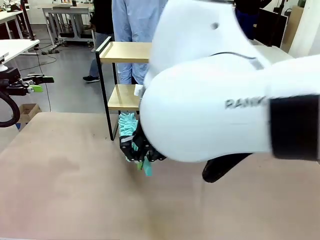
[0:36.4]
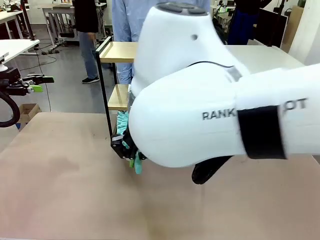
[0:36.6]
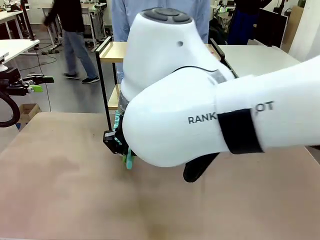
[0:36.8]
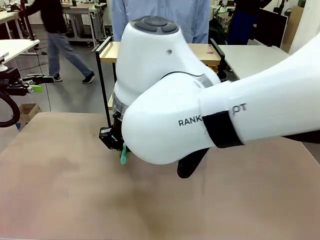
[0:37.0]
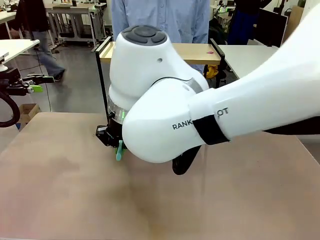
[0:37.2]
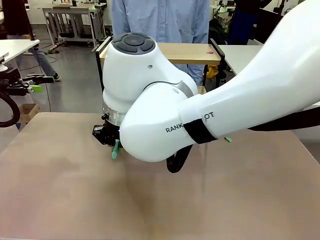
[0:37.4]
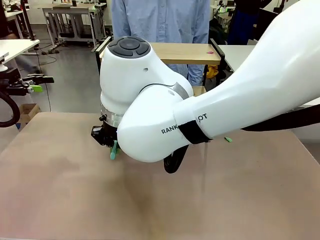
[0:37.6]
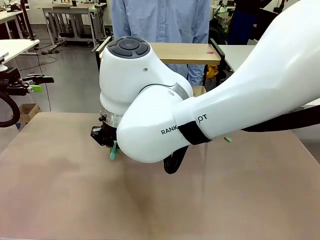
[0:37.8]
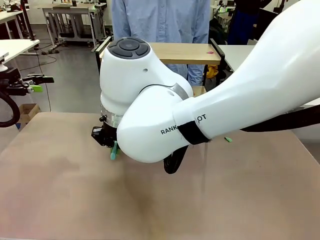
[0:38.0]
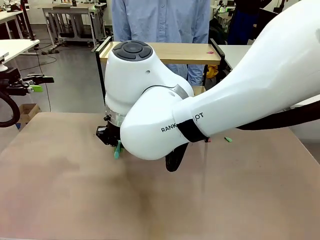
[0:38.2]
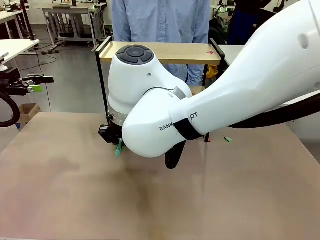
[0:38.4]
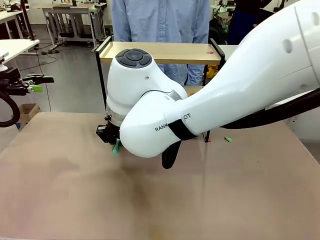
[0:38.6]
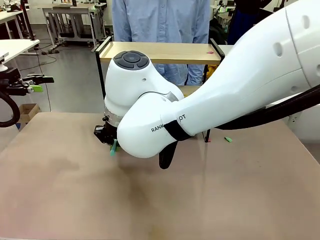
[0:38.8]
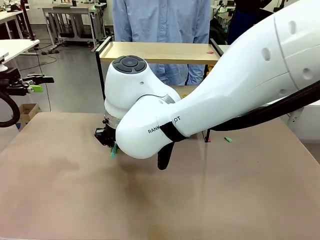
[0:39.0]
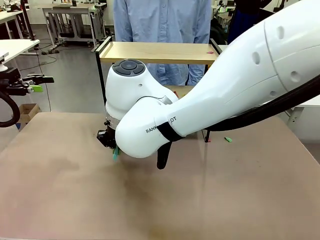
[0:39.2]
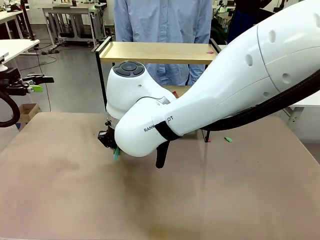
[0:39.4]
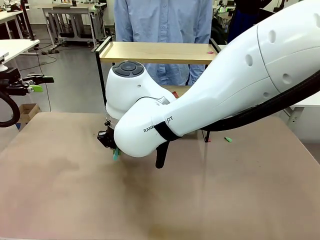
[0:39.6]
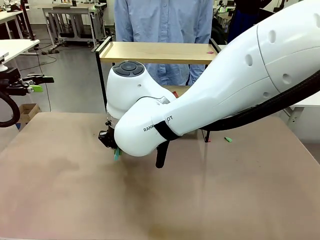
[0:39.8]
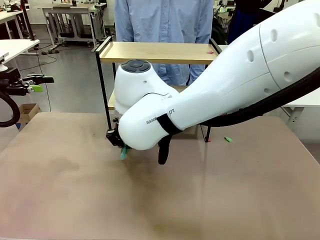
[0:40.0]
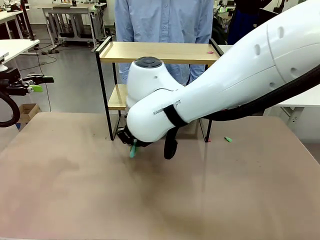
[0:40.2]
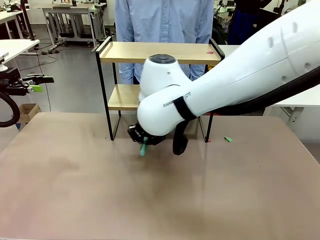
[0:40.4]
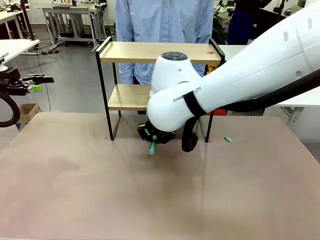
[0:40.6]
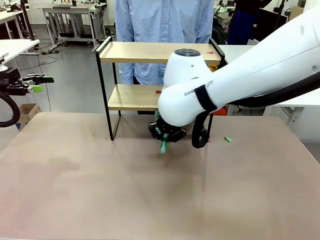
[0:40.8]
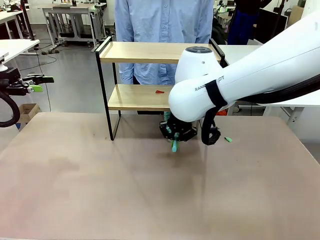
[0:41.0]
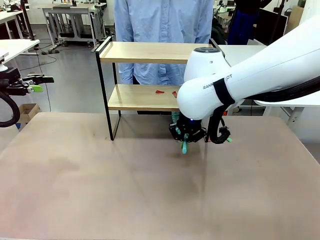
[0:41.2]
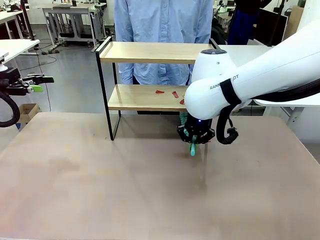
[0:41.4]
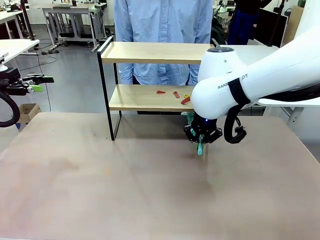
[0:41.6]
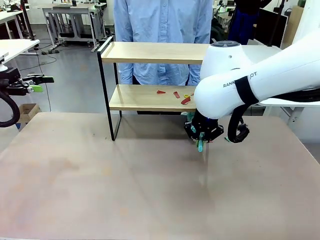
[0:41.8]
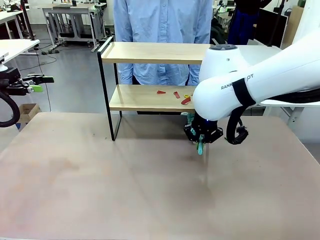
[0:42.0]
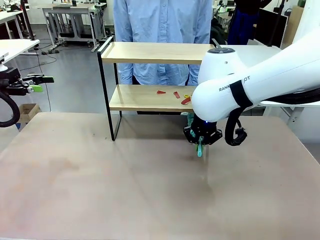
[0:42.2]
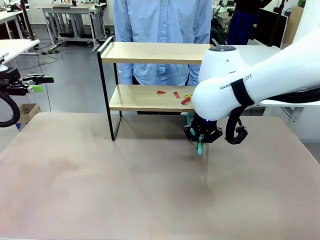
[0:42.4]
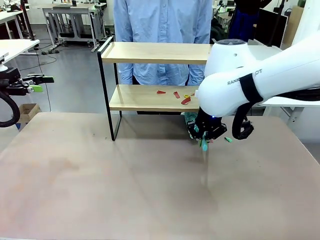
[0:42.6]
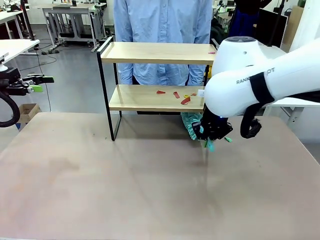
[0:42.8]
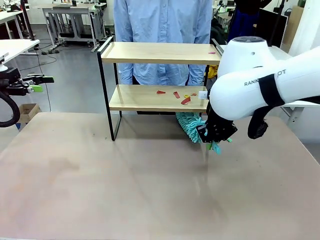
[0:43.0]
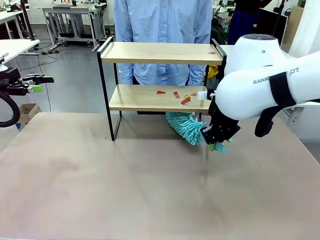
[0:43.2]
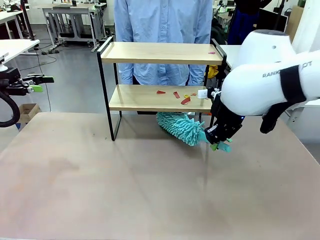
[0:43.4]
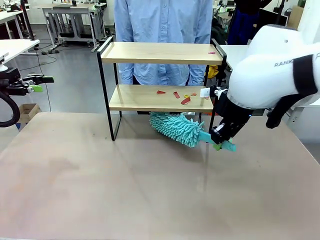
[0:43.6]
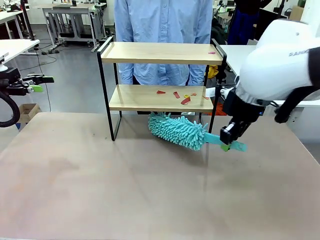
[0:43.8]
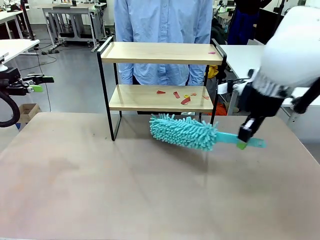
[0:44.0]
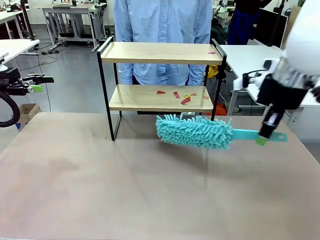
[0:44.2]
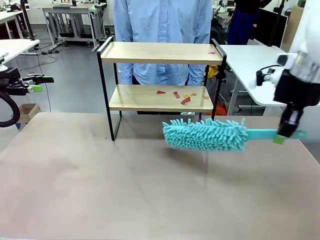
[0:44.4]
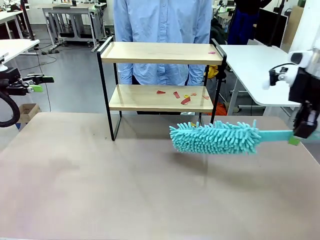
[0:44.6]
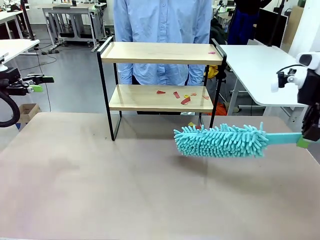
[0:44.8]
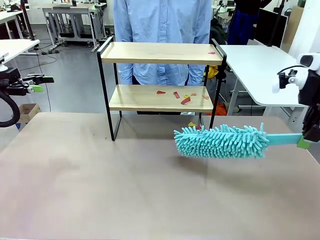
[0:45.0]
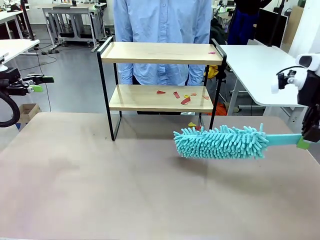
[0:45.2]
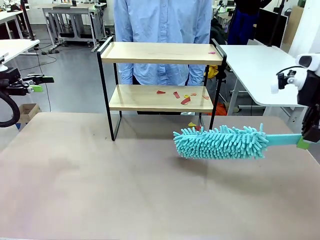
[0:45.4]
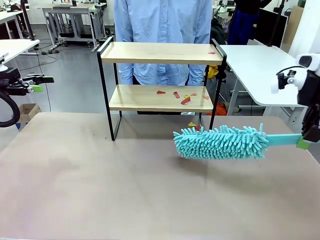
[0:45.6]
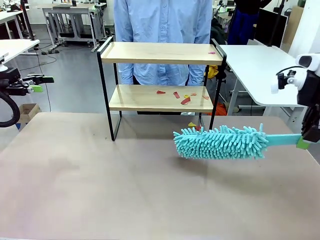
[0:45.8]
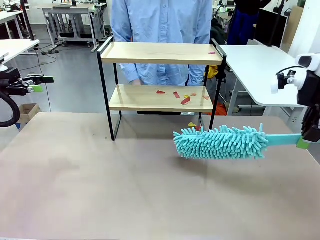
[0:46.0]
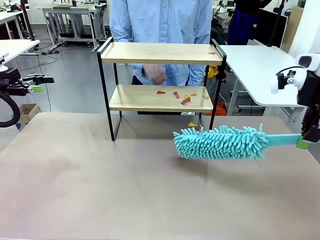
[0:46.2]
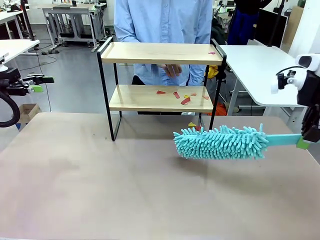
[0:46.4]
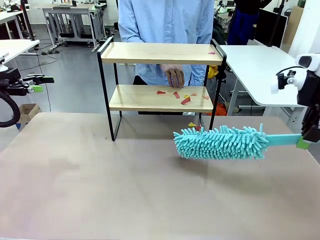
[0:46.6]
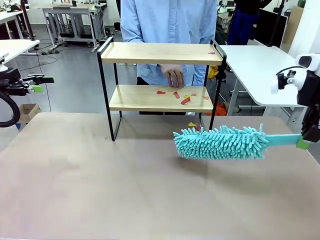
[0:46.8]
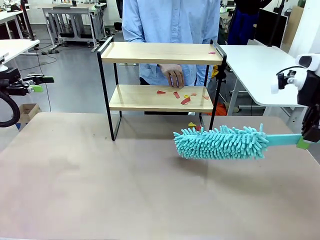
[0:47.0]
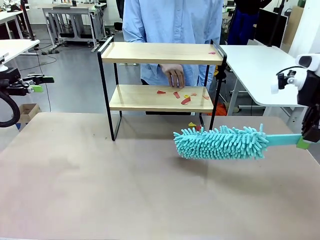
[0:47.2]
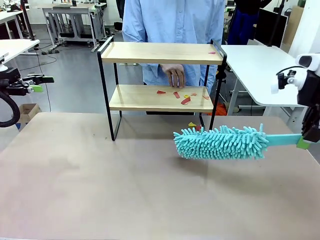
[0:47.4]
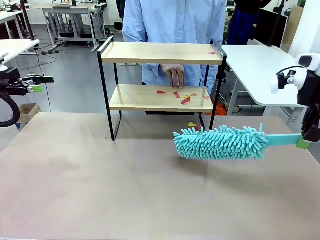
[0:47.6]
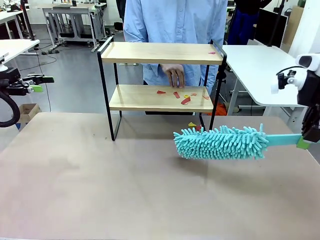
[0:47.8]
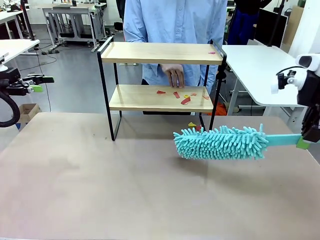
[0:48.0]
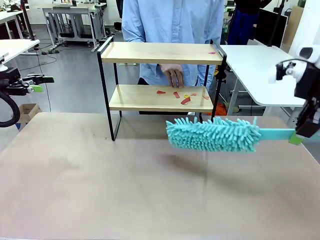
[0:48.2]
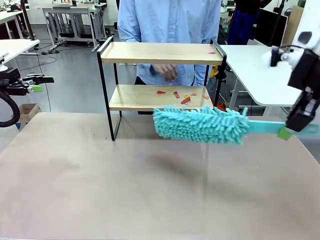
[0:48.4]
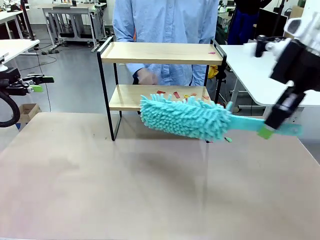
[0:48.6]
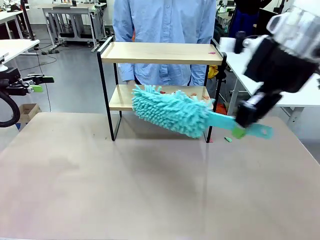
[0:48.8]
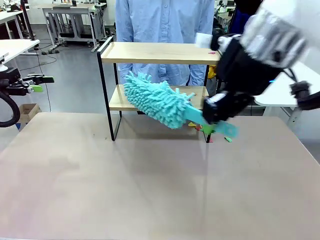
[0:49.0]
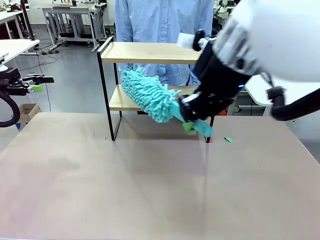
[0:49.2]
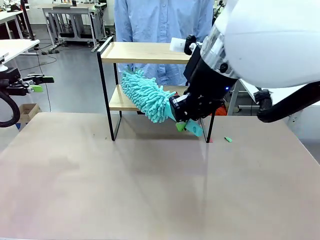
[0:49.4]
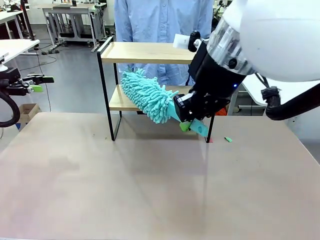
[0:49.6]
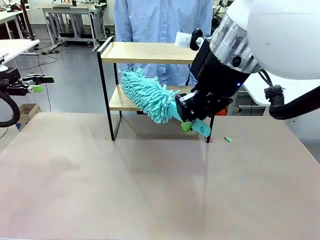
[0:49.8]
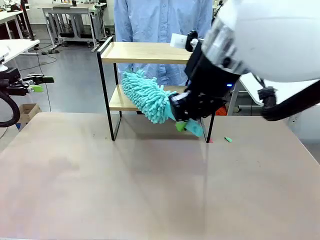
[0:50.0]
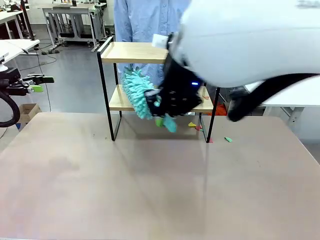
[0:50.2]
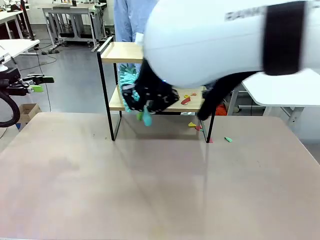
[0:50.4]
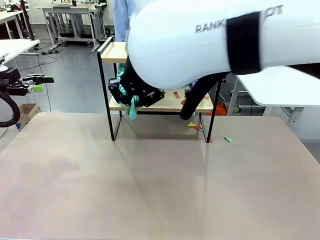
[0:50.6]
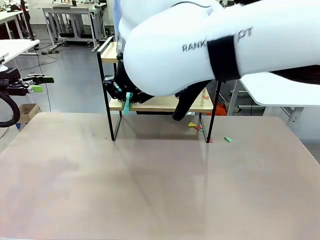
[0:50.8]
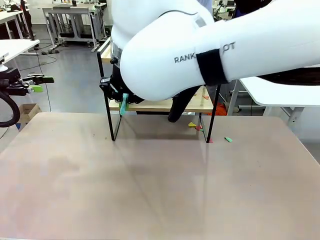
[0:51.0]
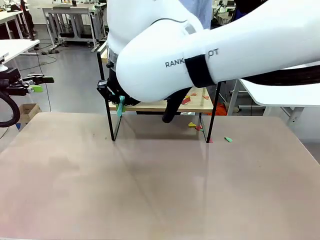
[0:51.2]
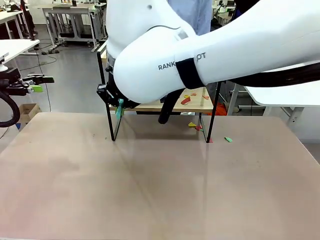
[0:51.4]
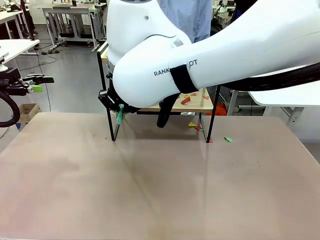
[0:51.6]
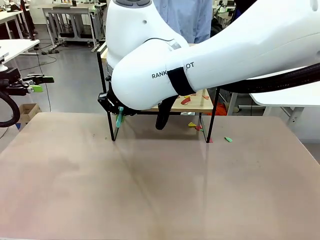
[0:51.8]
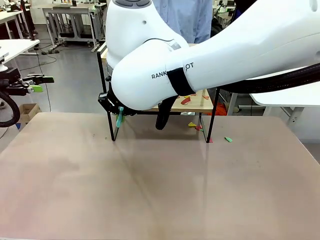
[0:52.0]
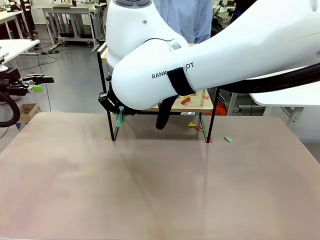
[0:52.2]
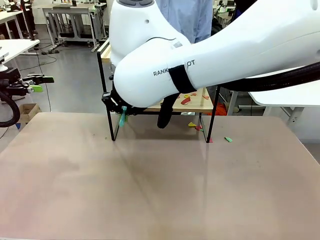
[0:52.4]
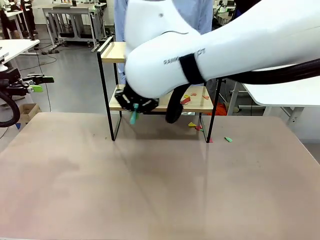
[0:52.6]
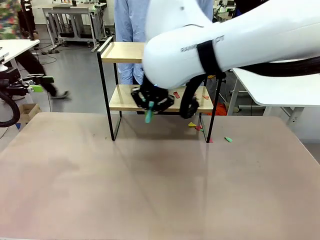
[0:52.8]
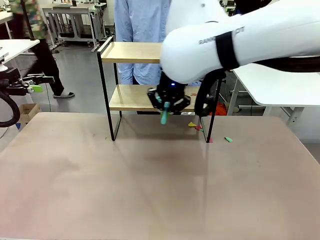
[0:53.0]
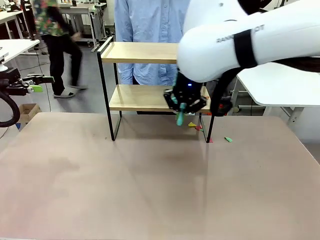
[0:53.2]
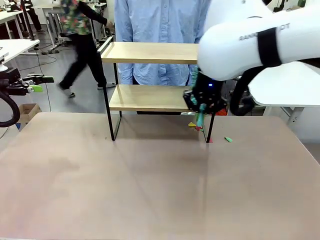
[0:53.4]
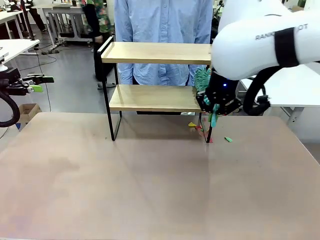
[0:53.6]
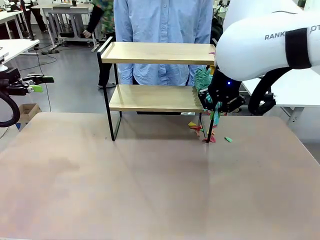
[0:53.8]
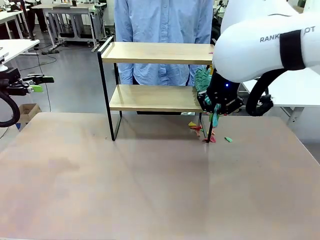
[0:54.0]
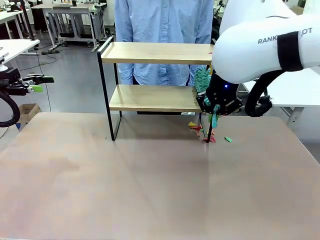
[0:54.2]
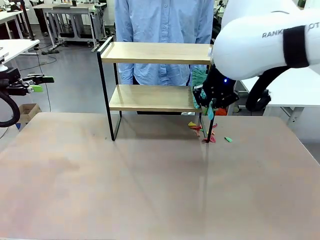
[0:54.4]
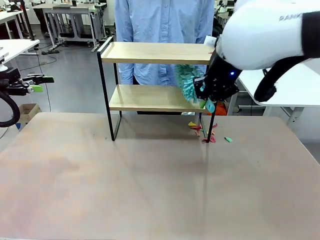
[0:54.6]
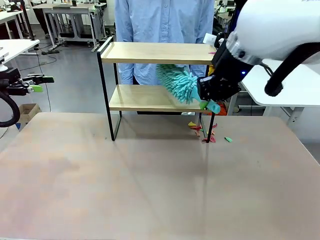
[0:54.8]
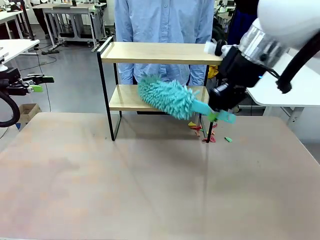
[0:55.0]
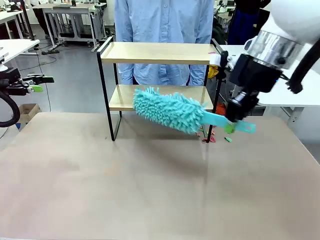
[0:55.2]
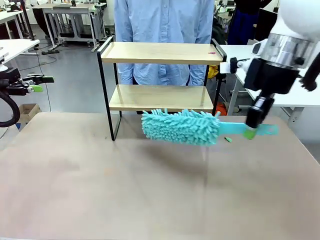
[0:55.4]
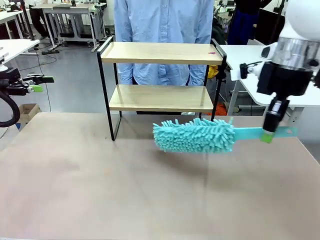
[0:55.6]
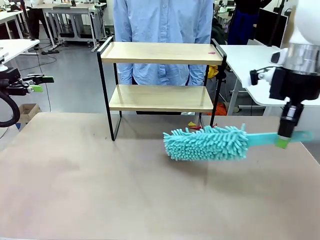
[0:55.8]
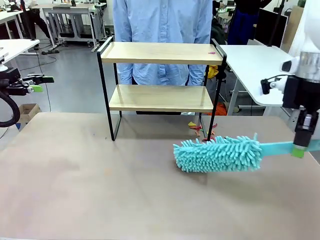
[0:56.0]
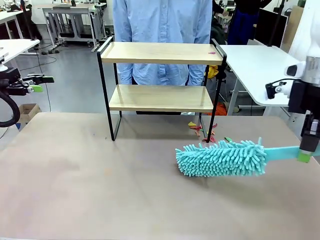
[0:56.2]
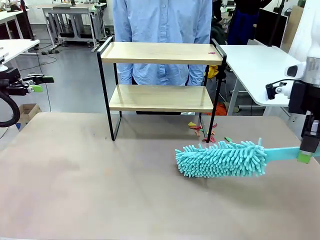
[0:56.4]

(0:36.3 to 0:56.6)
Task: Clean the shelf.
Robot: Clean the specific section of the Shelf indicated by the human with the Duster.
Person: Point a remaining section of the Shelf.
